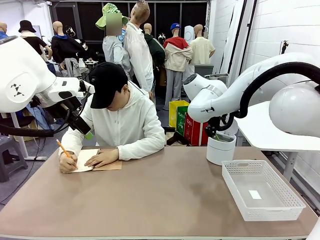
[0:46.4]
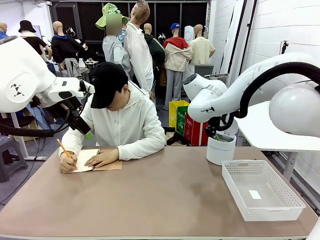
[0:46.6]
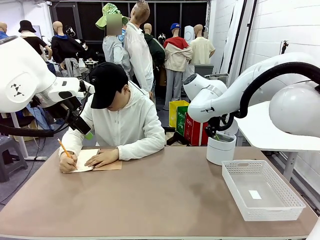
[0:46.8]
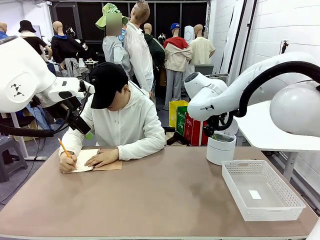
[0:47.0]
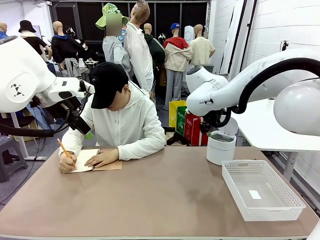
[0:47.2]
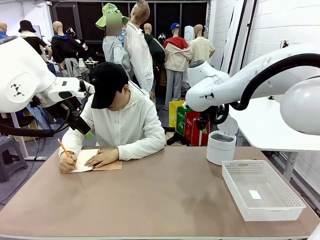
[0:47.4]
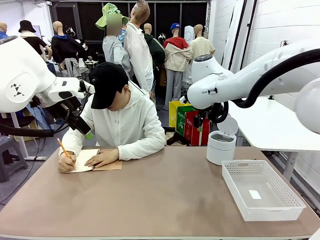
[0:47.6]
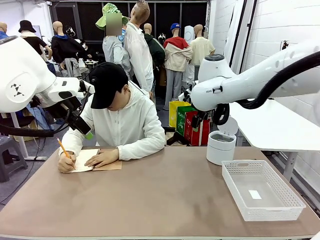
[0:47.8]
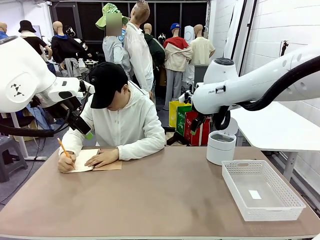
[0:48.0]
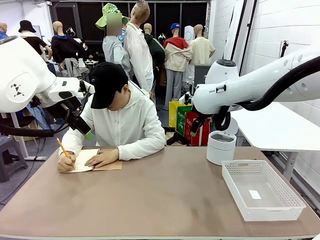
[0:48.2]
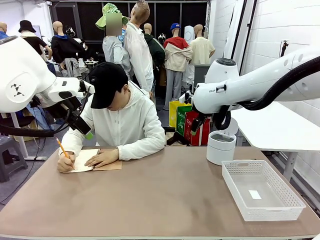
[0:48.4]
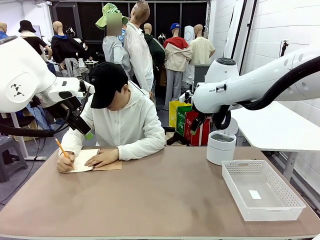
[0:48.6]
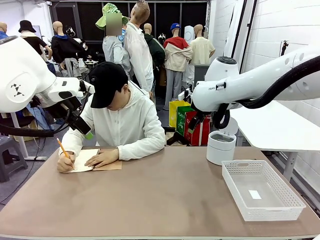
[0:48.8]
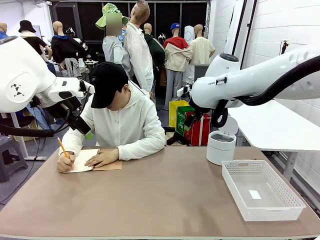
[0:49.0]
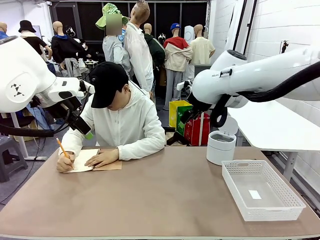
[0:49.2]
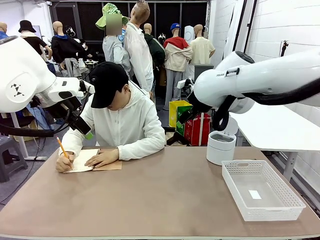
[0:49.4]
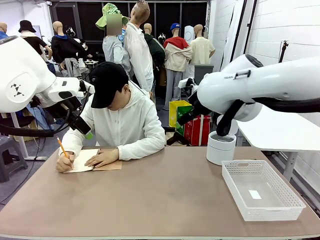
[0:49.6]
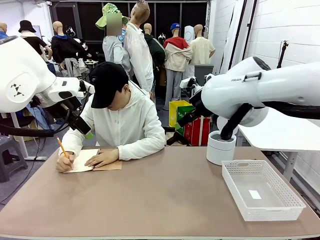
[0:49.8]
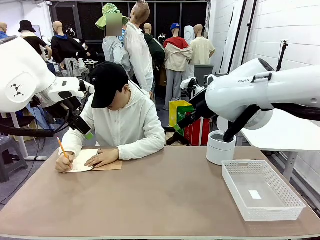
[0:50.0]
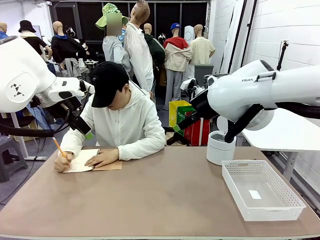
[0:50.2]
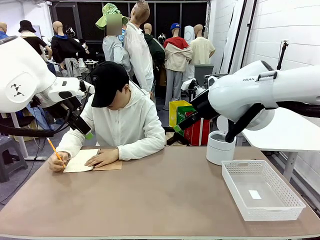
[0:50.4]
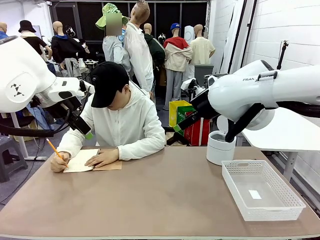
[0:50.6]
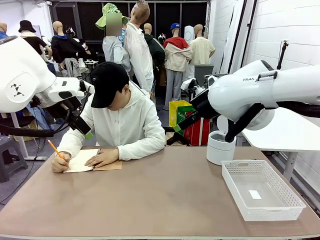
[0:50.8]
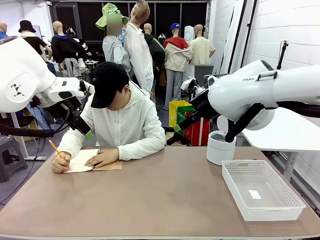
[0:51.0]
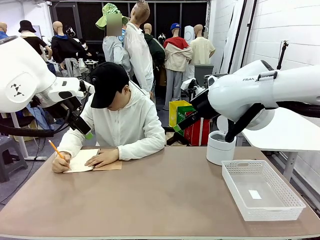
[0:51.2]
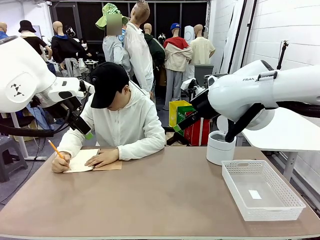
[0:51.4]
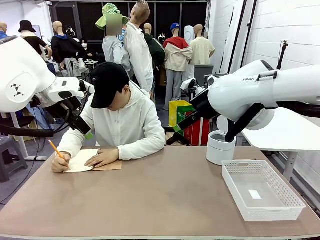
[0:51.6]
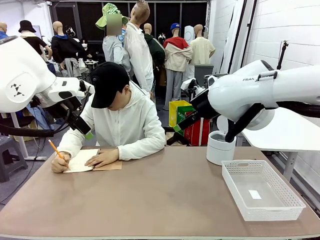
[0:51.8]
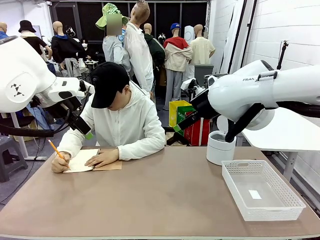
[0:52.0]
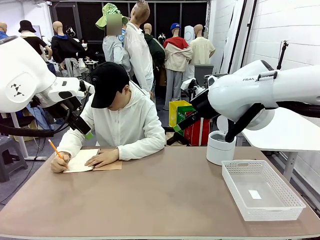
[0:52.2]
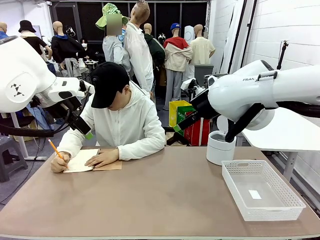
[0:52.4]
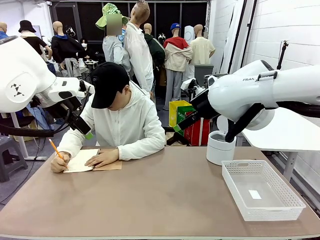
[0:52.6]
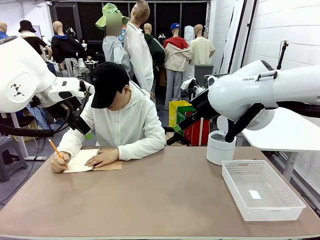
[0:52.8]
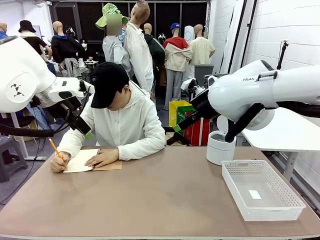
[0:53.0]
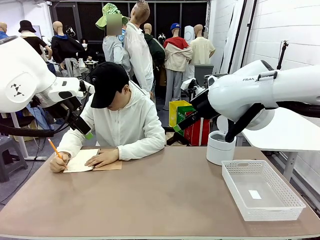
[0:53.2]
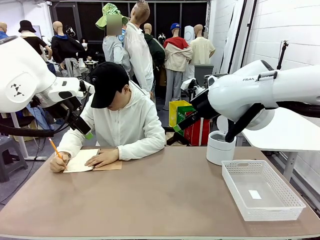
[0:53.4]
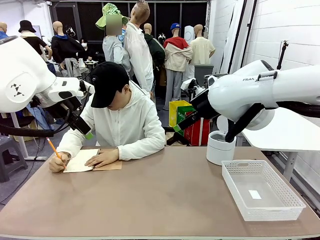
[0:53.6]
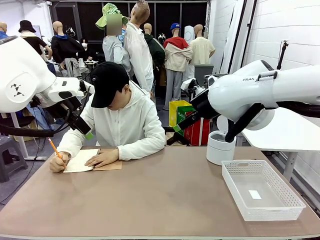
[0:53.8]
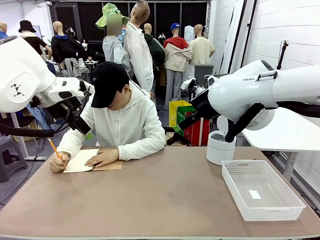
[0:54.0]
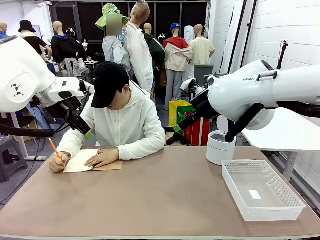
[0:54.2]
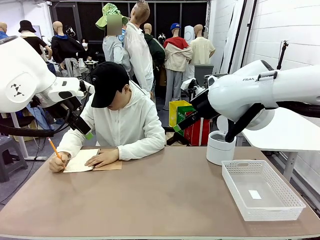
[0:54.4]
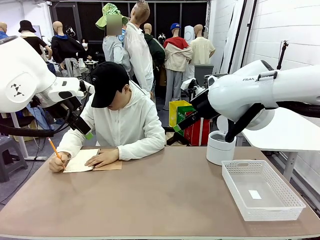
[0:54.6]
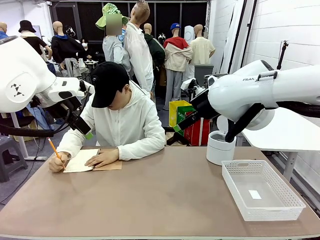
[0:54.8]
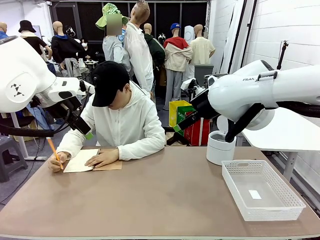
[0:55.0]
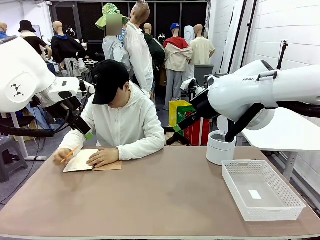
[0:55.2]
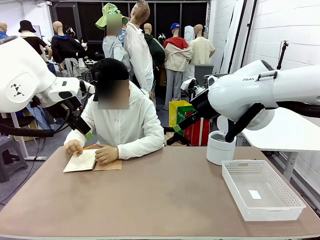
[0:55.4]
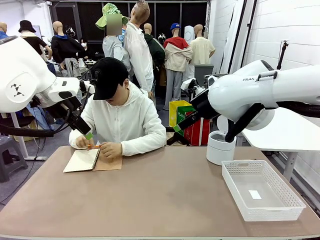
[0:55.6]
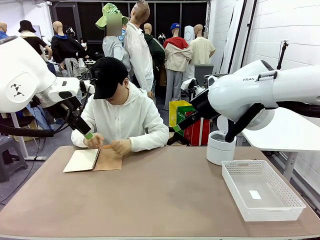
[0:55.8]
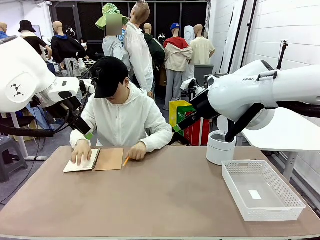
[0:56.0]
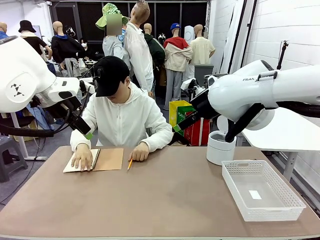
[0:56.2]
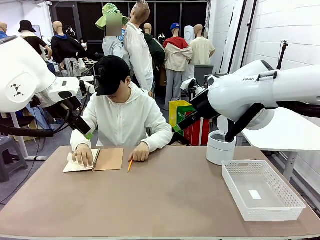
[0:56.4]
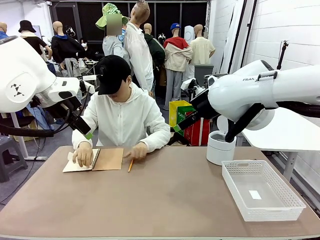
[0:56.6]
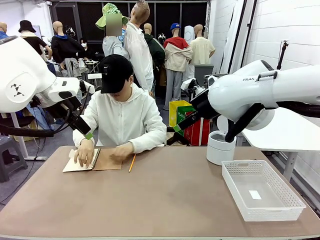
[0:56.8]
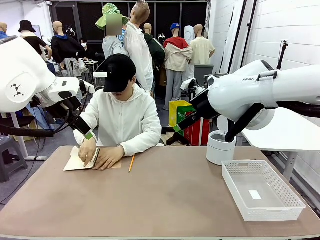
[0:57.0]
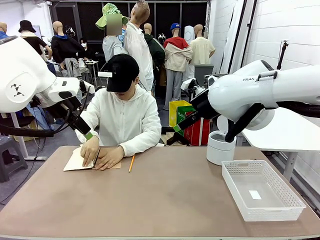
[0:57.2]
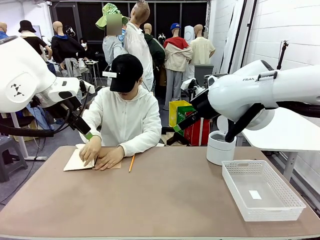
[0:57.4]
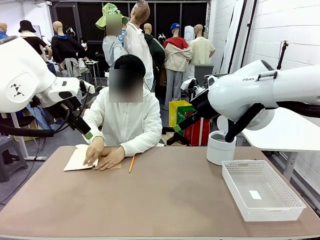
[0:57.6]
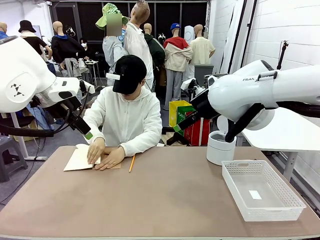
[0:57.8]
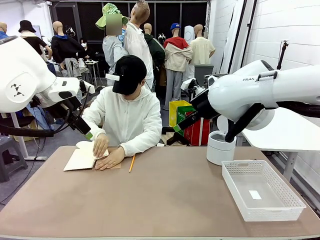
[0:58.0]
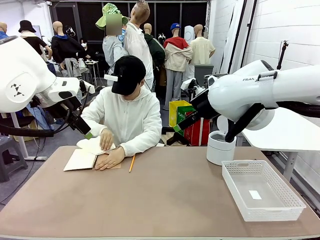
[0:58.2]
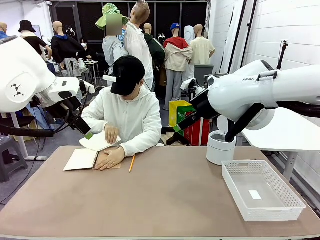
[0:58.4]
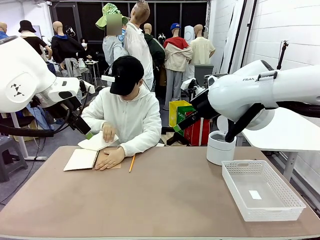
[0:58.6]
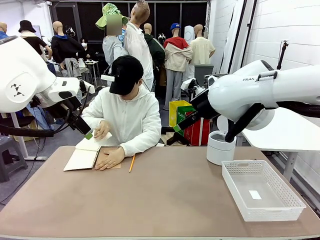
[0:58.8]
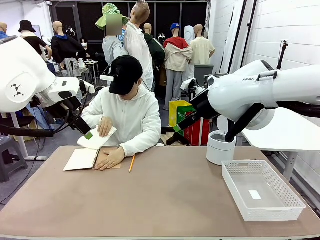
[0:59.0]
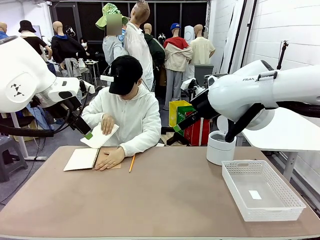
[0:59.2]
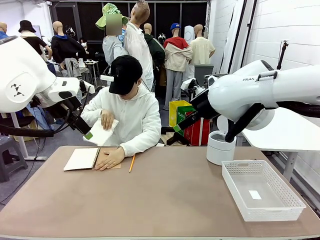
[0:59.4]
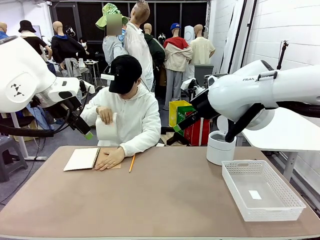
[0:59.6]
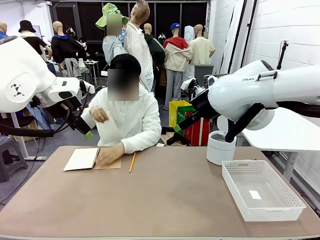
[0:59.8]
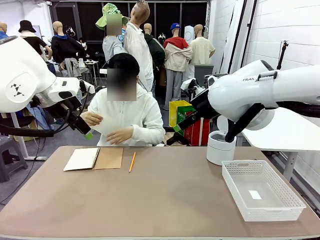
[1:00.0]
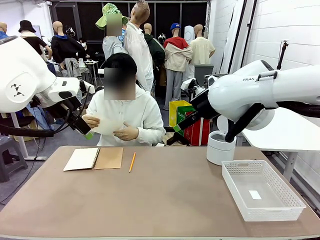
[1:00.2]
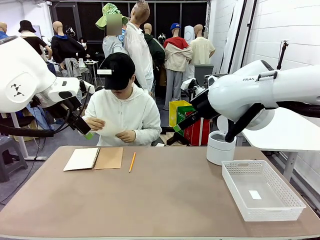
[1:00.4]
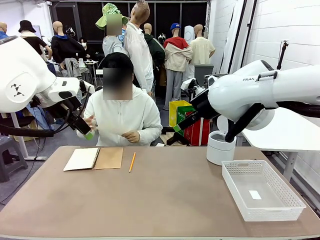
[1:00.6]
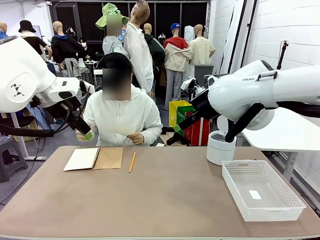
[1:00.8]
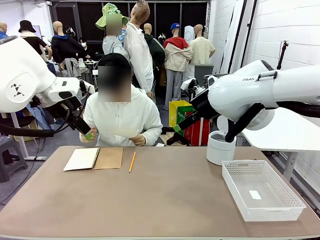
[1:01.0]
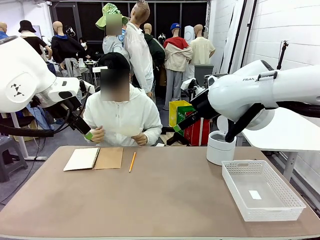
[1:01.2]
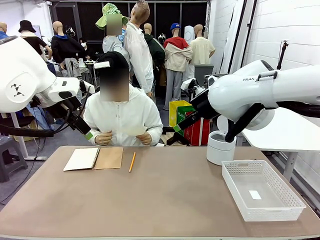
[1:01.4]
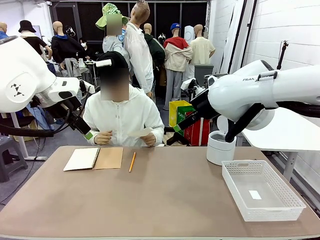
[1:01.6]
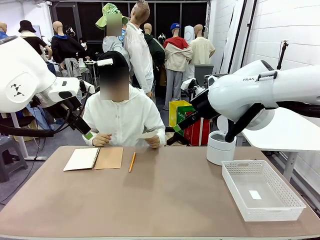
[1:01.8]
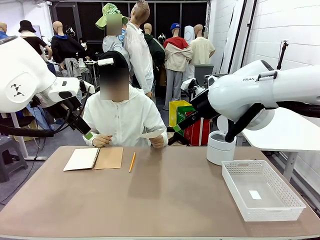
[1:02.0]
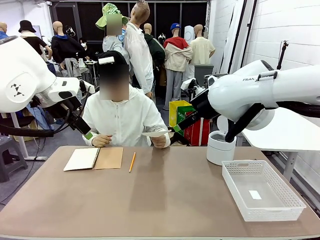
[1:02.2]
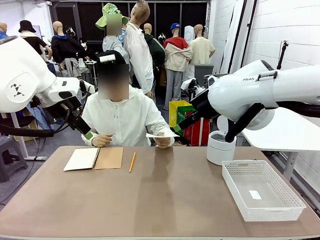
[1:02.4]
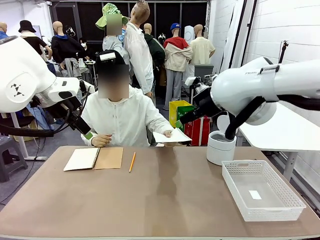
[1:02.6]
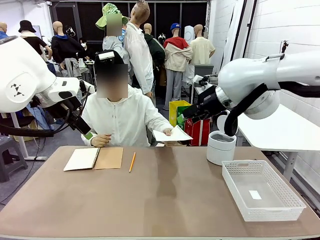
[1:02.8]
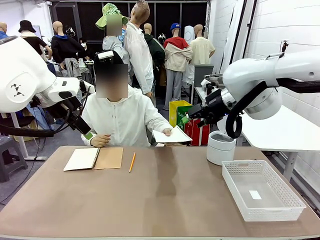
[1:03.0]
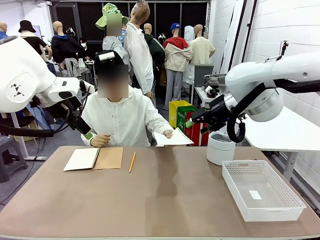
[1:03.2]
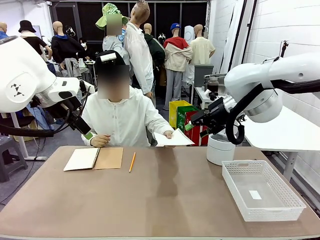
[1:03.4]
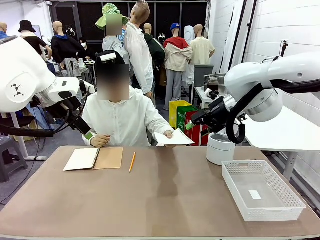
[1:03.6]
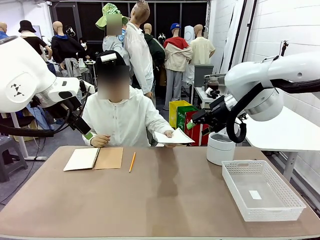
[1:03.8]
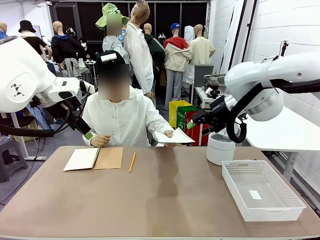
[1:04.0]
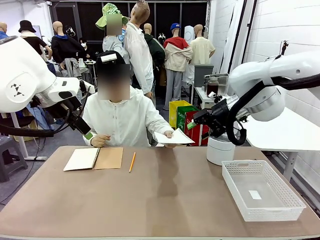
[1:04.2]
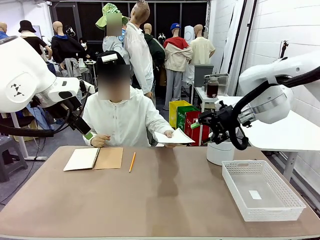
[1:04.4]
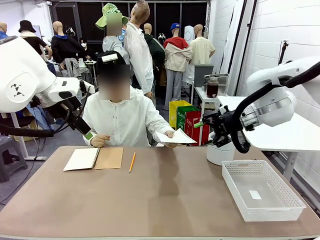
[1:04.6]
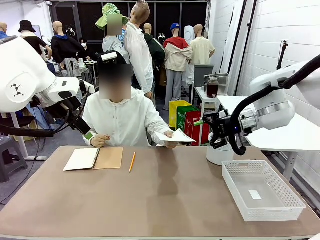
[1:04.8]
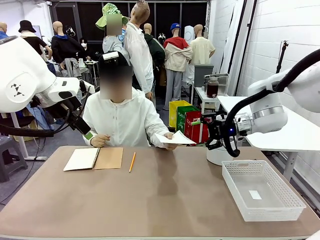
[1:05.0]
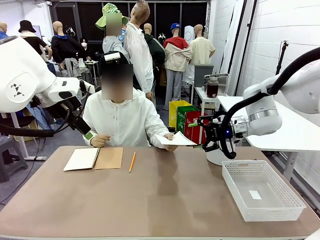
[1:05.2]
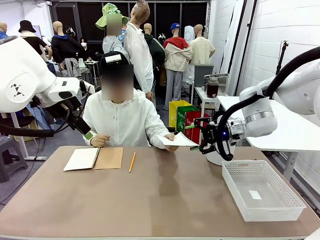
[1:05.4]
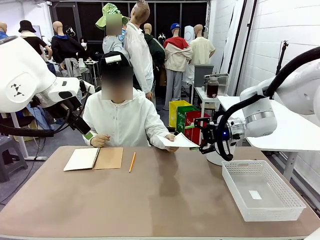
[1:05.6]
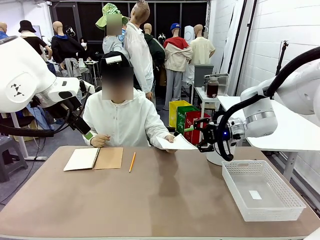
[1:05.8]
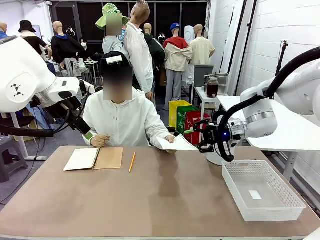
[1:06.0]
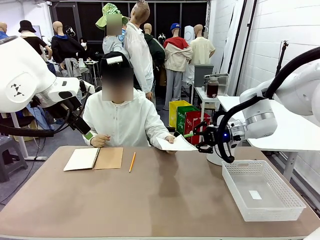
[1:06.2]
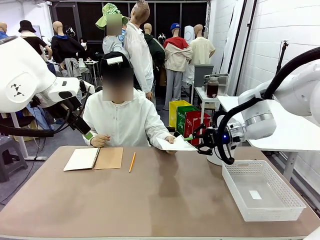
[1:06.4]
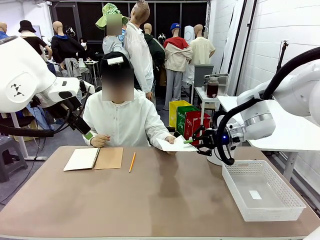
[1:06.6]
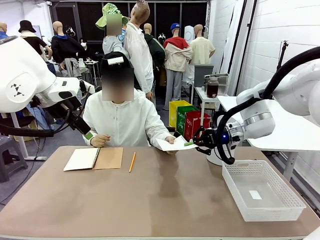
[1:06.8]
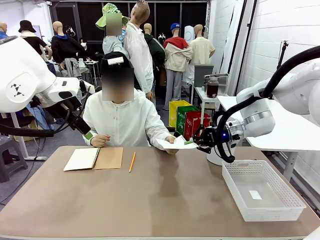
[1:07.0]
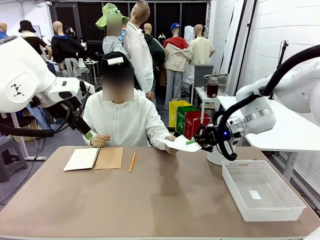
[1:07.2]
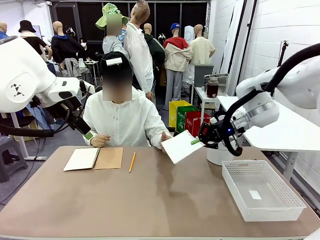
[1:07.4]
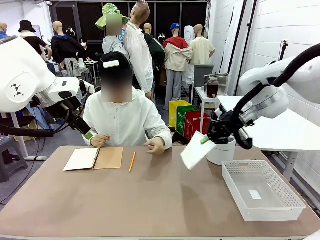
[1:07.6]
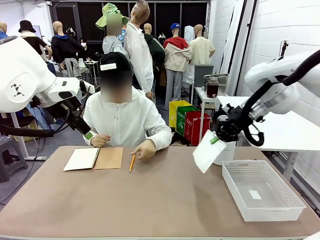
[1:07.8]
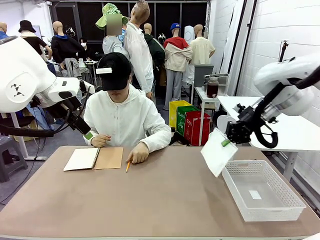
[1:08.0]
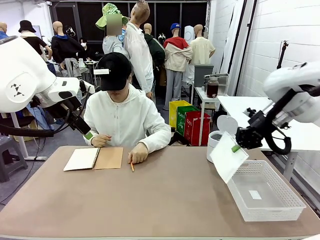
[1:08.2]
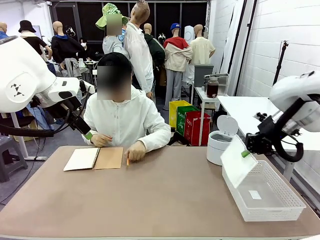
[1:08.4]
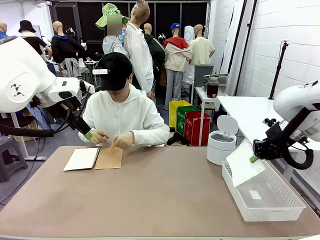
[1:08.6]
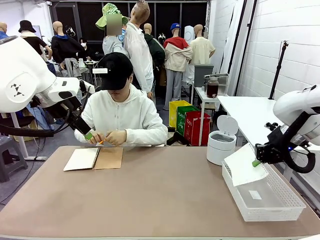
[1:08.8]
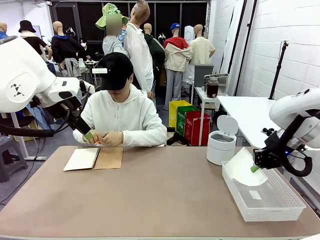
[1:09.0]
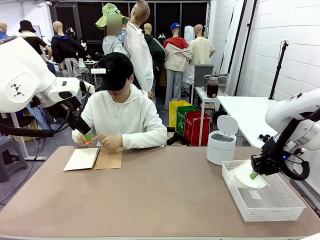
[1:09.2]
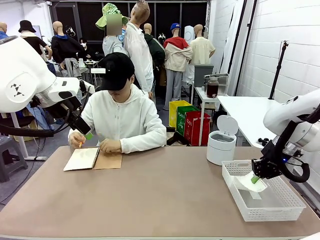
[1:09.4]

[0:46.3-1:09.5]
Task: Sort the paper based on its condition.
Robot: If a person hands you a paper, place it in the Organizing basket , and if it's crumpled, put it in the Trash can.
Person: Tear out a page from the spiral notebook. Hand the torn page to the robot or crumple it and throw it to the center of the table.
